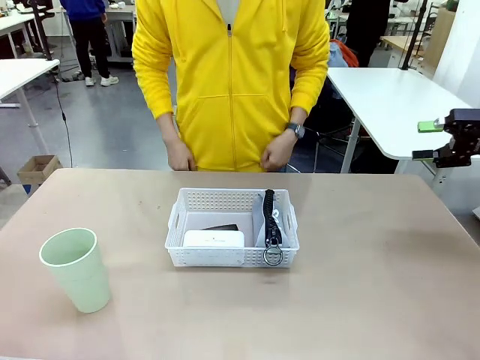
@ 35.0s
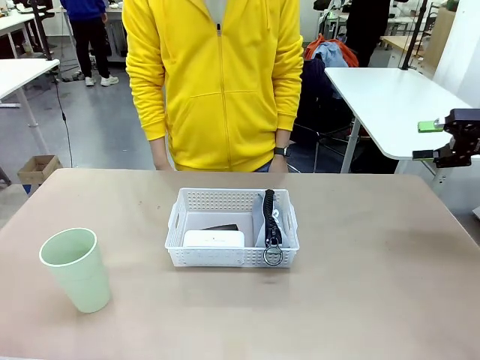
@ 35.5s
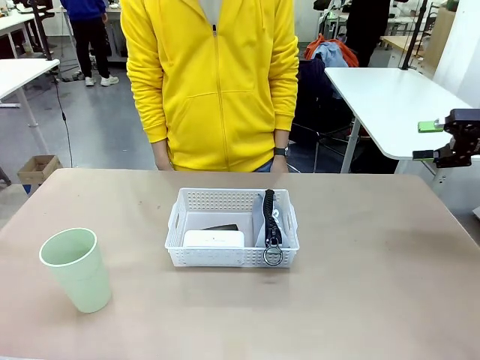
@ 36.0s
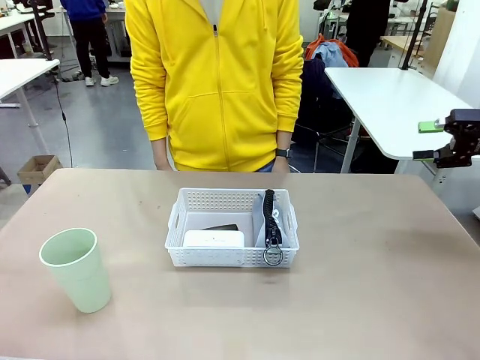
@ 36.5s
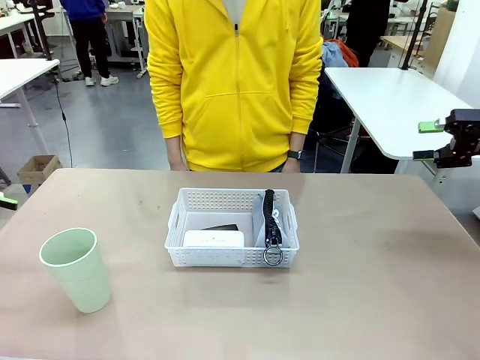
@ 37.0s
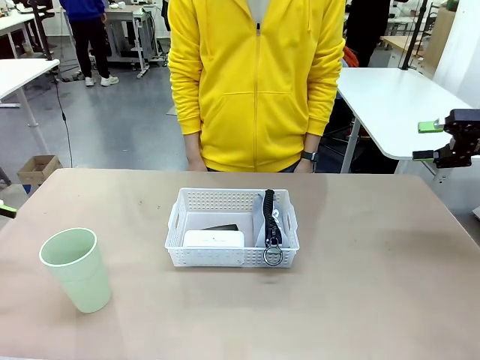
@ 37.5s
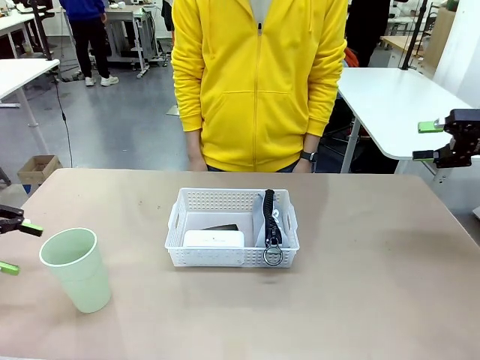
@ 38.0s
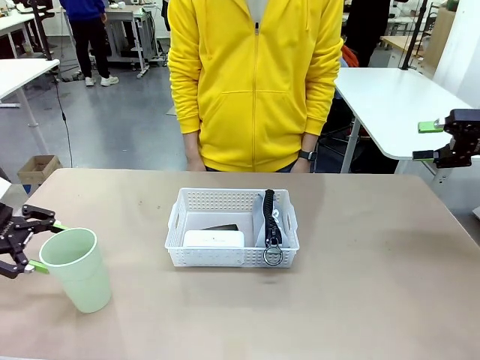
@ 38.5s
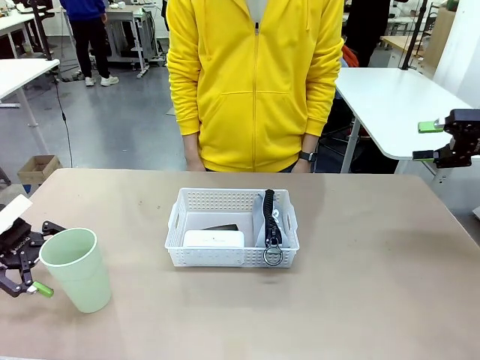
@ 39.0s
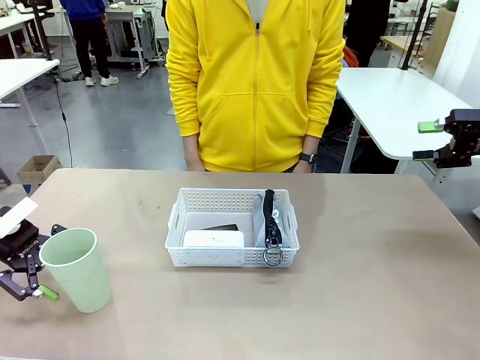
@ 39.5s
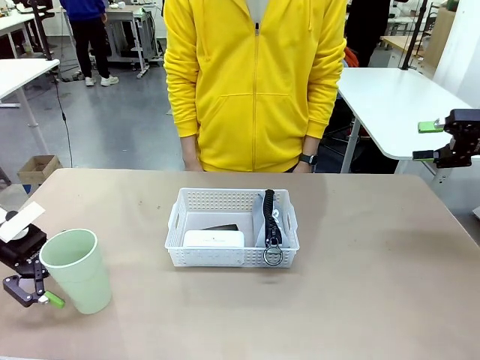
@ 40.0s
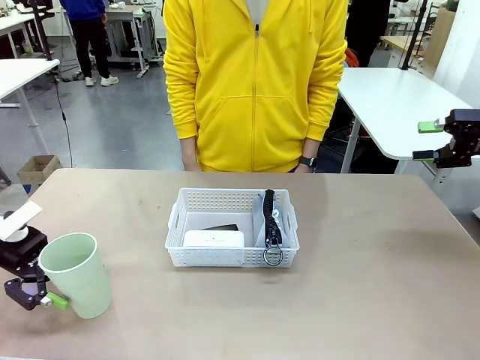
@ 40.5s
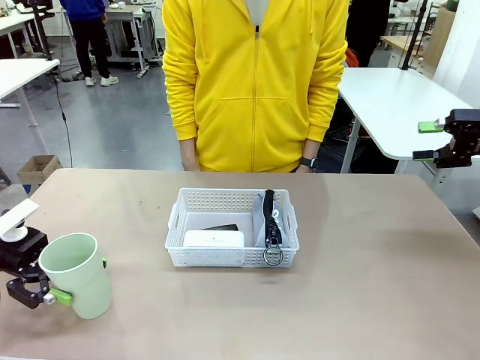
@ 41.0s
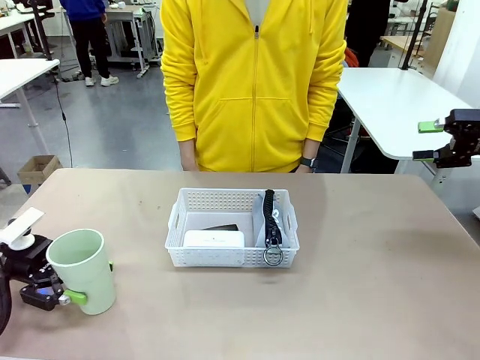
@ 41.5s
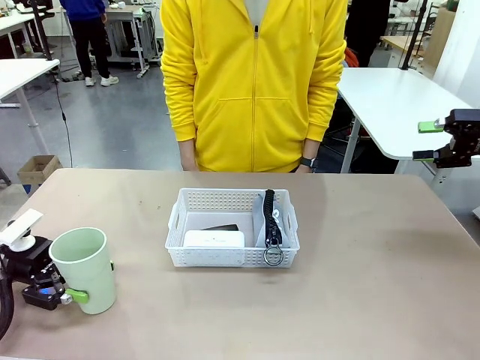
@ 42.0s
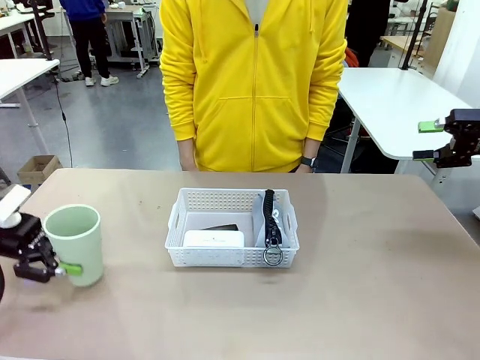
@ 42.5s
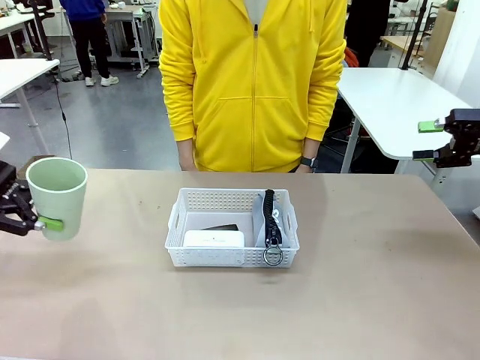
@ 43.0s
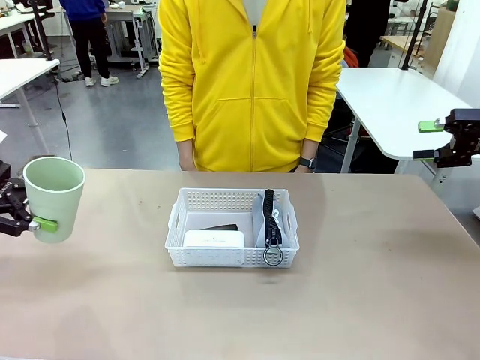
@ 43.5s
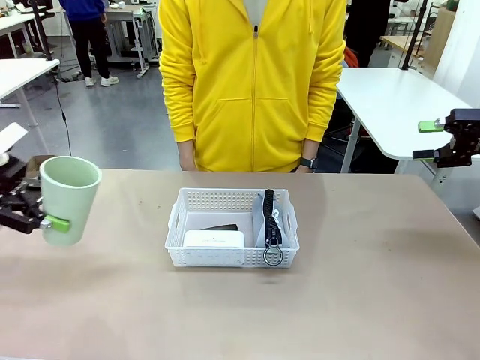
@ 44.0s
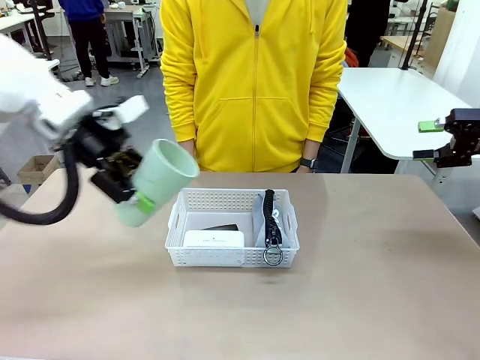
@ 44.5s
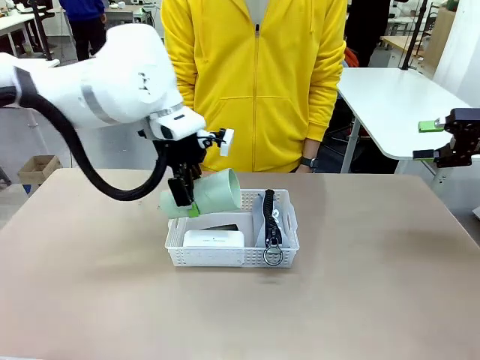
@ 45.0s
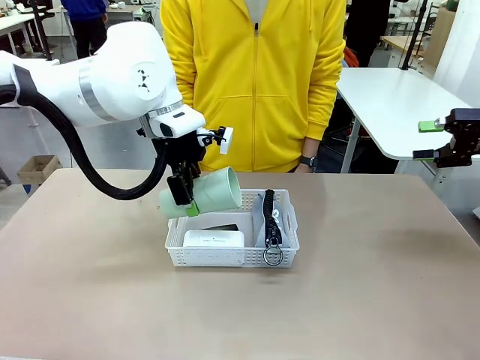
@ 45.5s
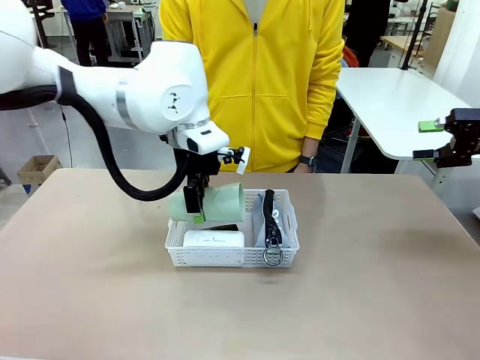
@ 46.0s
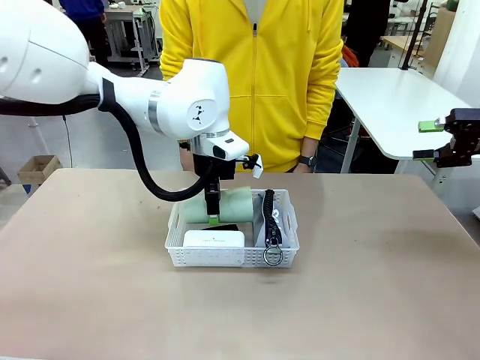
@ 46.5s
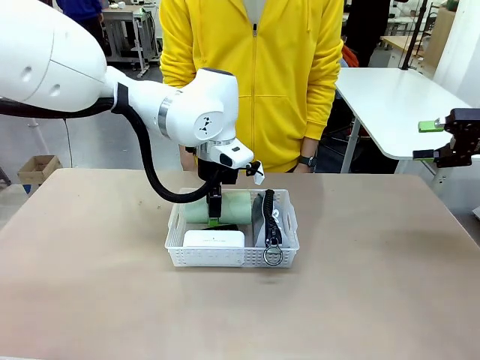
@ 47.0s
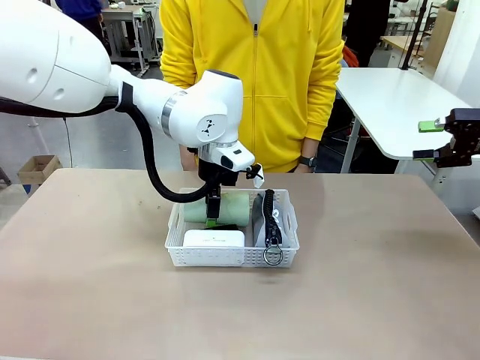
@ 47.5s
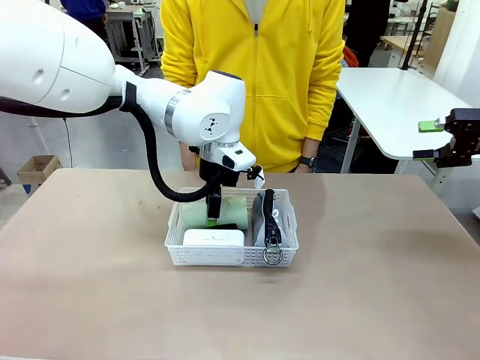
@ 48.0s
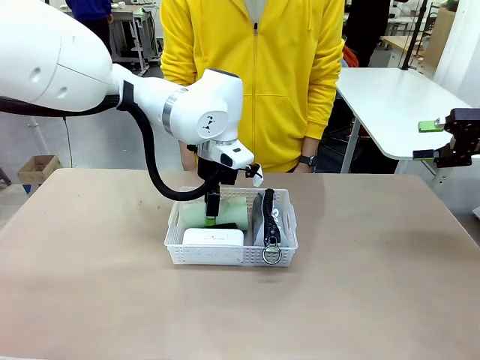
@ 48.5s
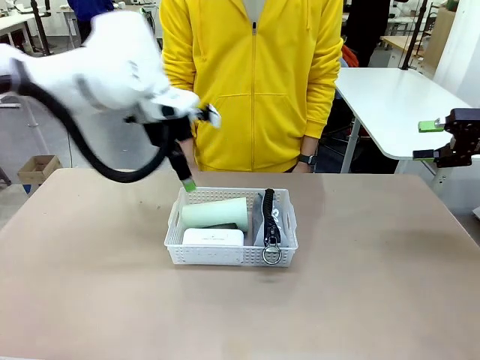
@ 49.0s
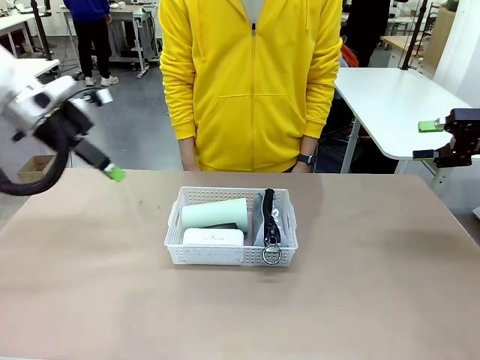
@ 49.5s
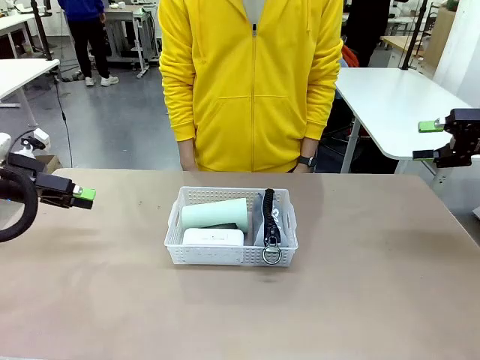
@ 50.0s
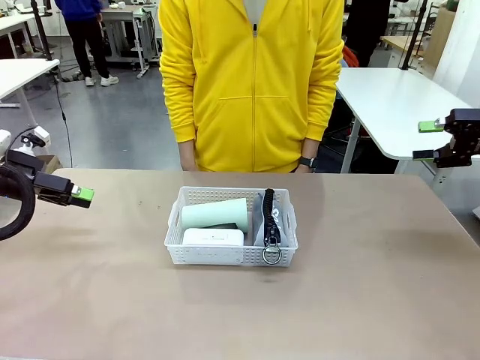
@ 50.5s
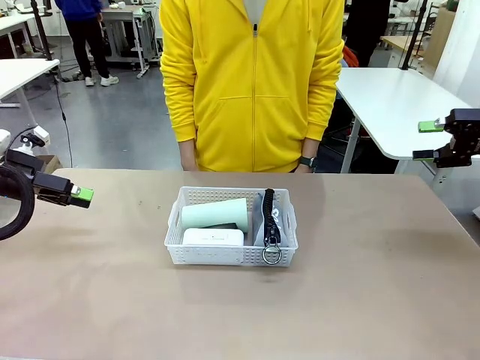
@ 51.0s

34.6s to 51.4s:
Task: Efficiently arrange items inside the basket to fit them all.
Robot: Pick up the Reusable plastic cup and place it inside the Organizing basket.
Person: Repositions the stapler.

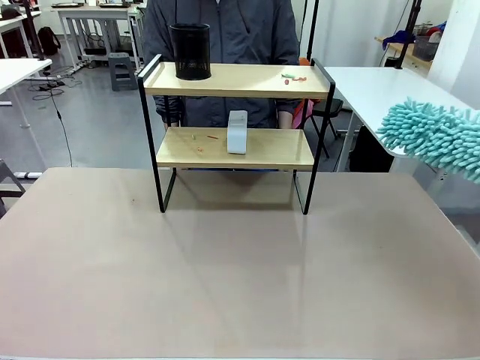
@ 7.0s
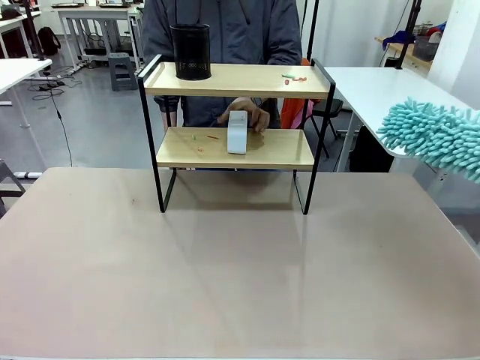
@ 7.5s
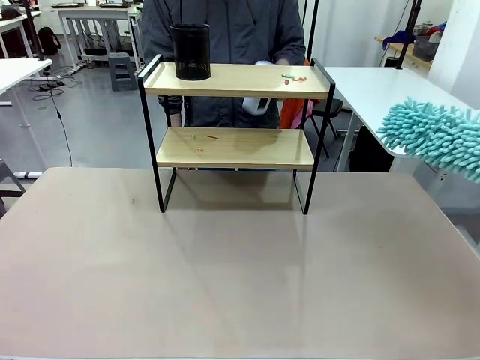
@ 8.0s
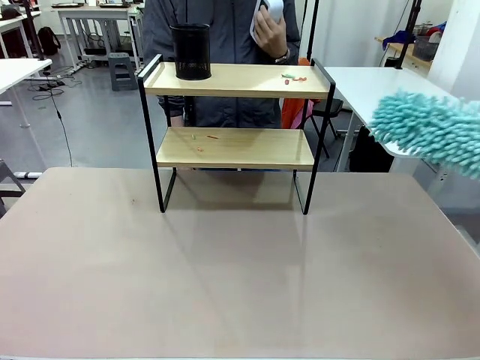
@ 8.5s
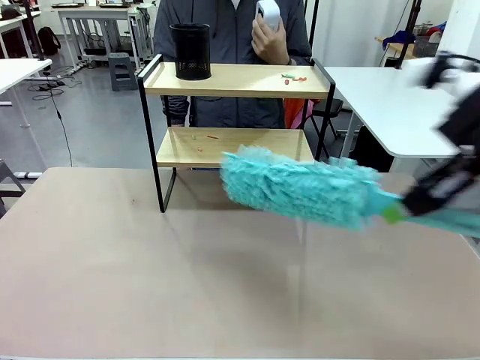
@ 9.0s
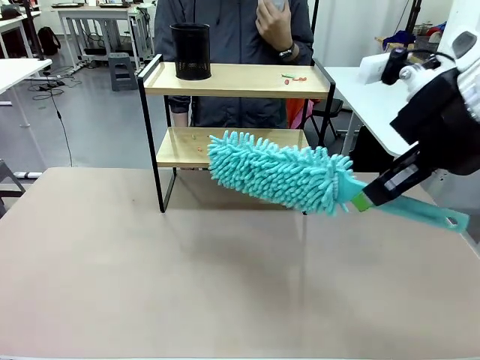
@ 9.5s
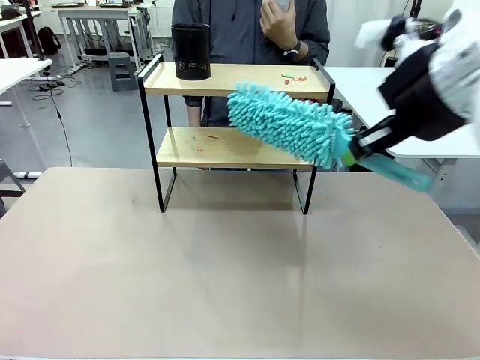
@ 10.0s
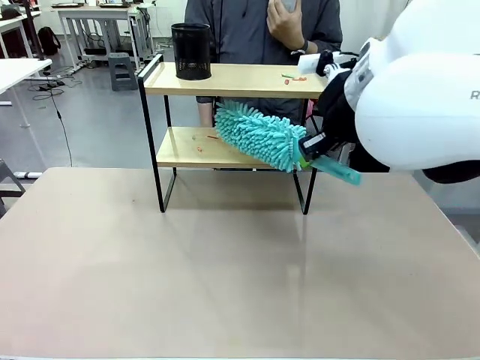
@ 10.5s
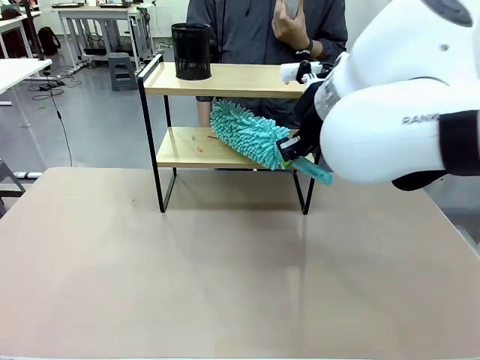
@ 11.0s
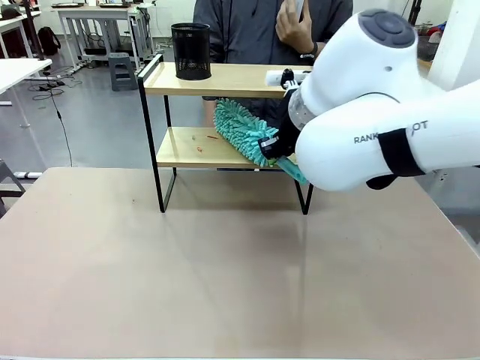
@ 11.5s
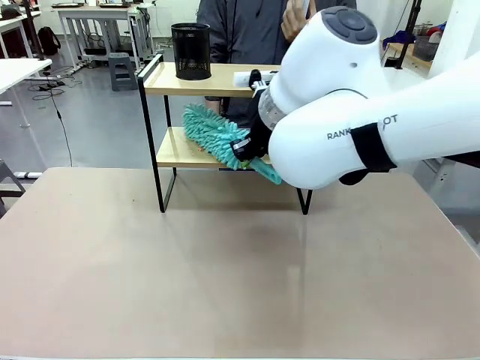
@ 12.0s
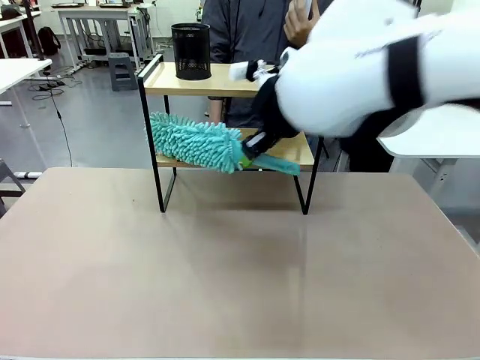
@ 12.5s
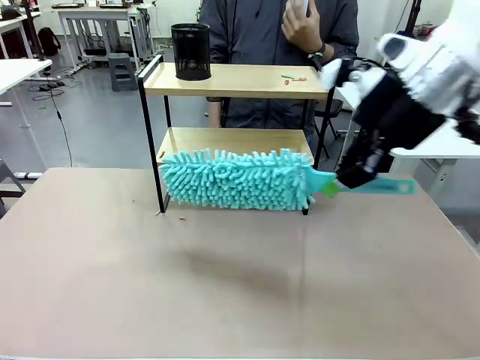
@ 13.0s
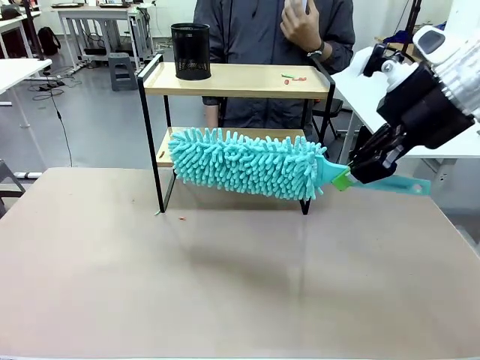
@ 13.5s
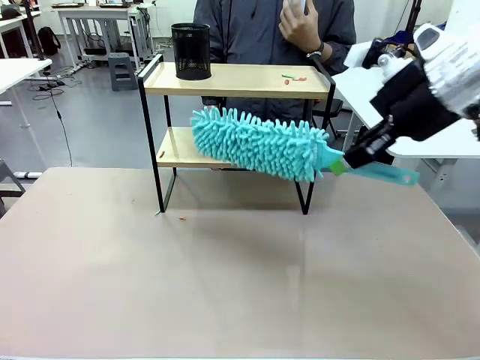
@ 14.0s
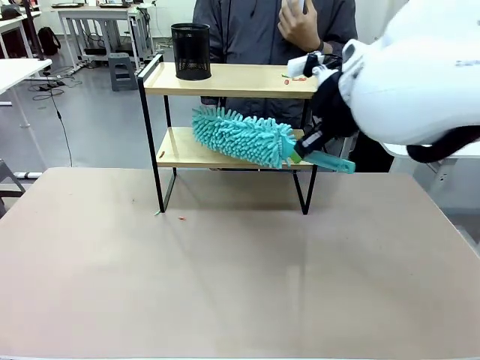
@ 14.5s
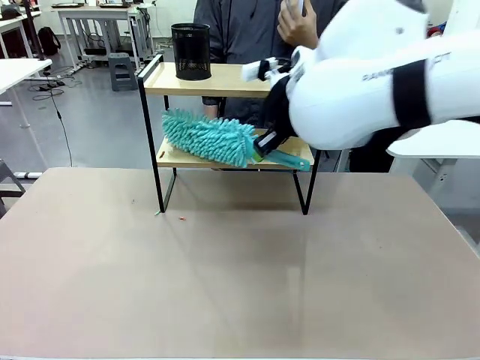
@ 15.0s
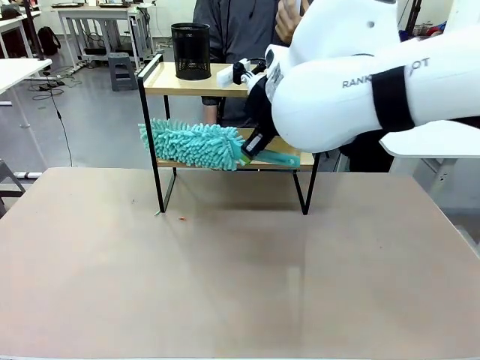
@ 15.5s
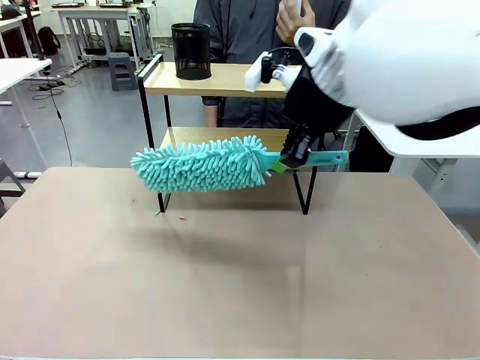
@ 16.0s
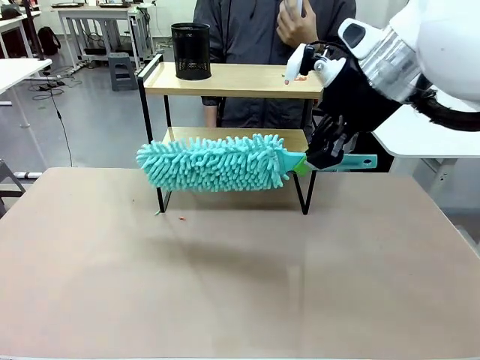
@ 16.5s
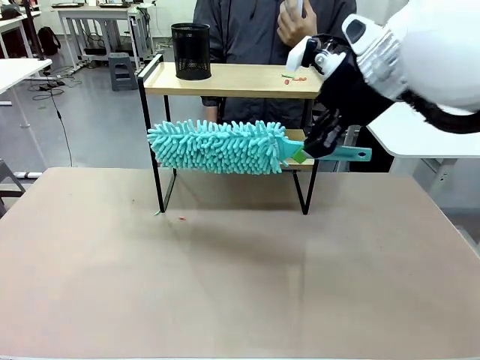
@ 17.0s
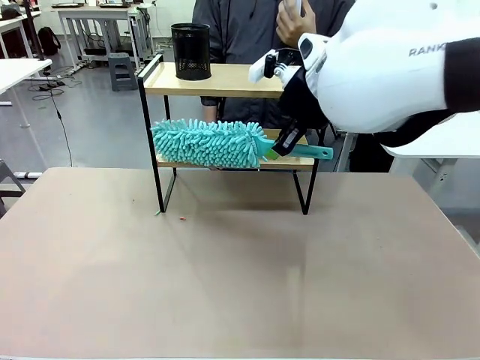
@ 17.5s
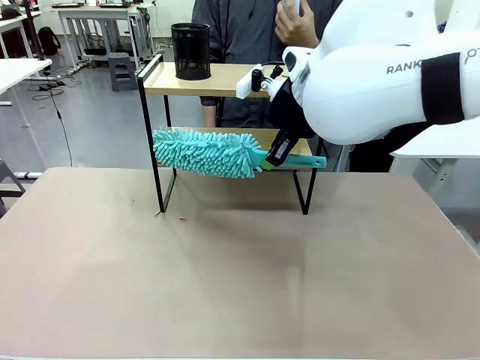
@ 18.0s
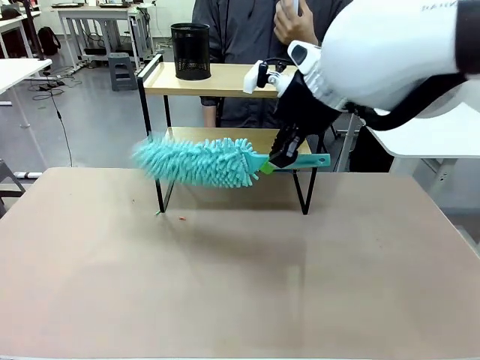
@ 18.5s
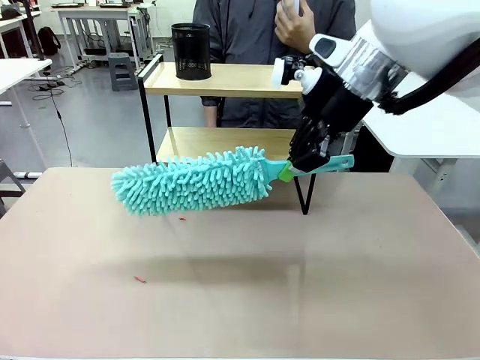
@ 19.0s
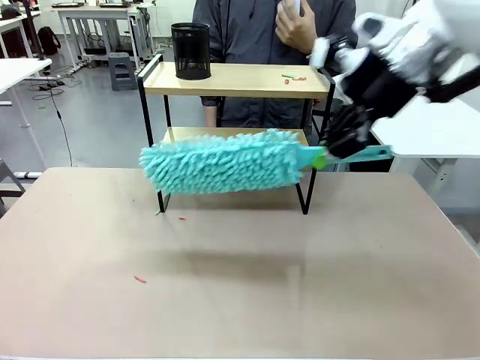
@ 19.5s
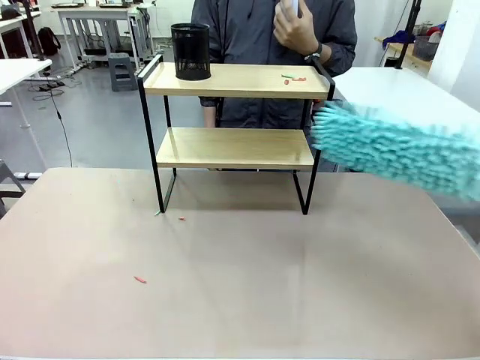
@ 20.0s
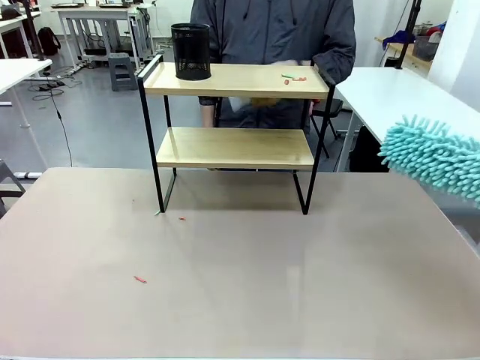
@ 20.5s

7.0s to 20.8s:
Task: Clean the shelf.
Robot: Clean the specific tier of the Shelf with the Duster once objects are removed.
Person: Lift the objects on a randomly selected tier of the Shelf. Once the robot finishes cleaning, lift the objects on the remaining tiers of the Shelf.
